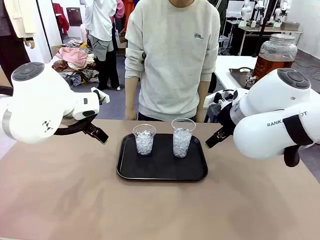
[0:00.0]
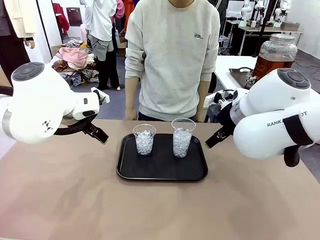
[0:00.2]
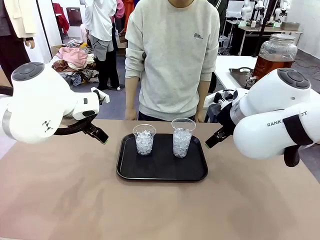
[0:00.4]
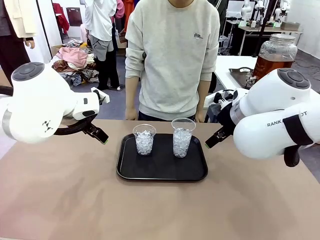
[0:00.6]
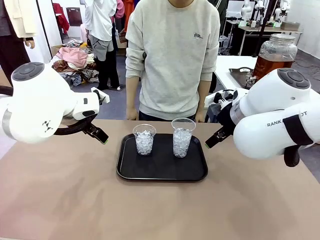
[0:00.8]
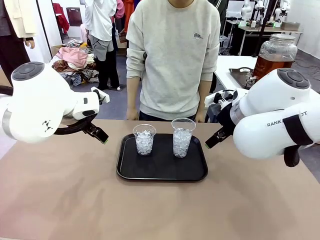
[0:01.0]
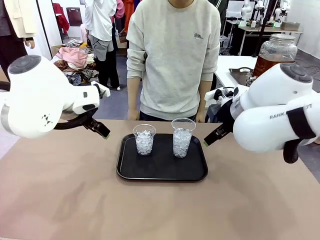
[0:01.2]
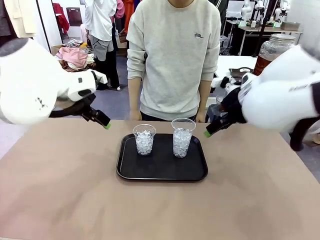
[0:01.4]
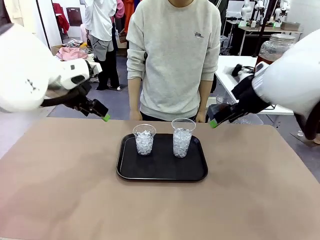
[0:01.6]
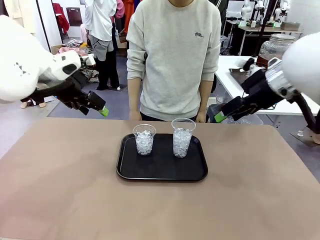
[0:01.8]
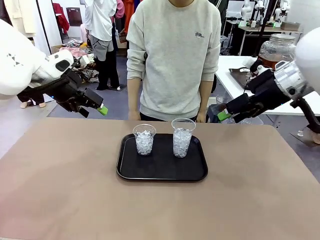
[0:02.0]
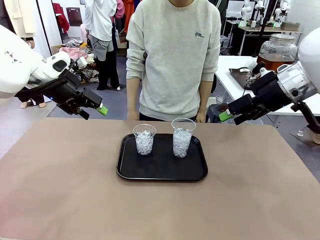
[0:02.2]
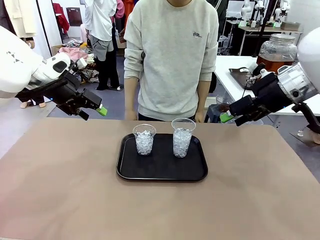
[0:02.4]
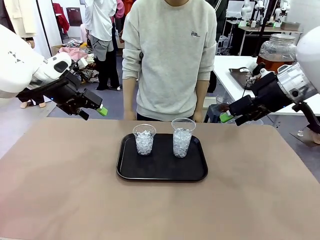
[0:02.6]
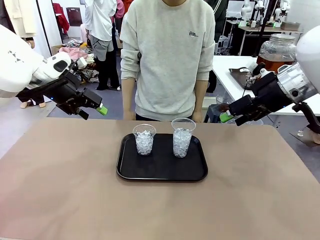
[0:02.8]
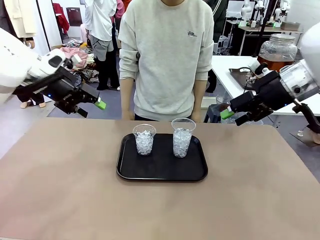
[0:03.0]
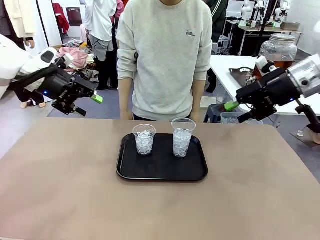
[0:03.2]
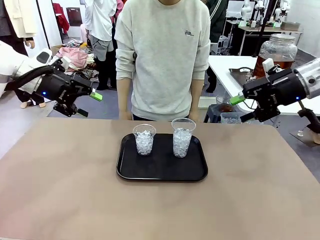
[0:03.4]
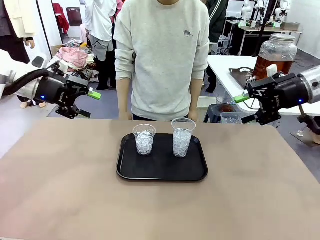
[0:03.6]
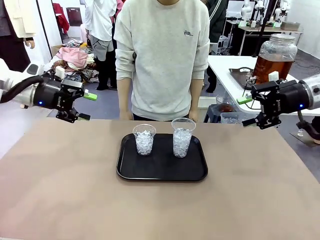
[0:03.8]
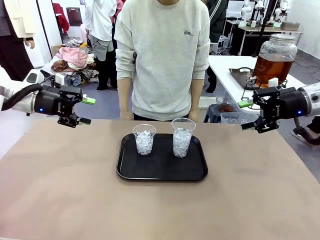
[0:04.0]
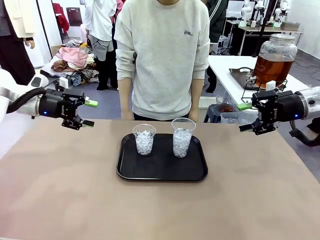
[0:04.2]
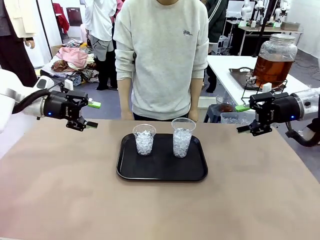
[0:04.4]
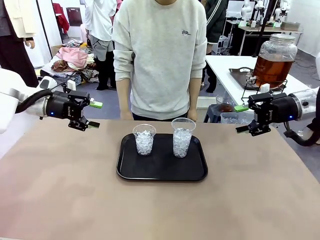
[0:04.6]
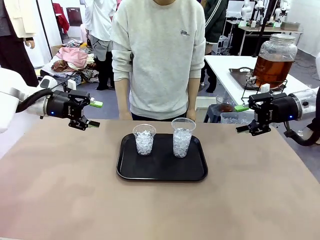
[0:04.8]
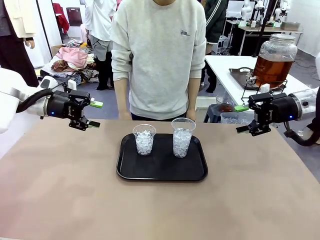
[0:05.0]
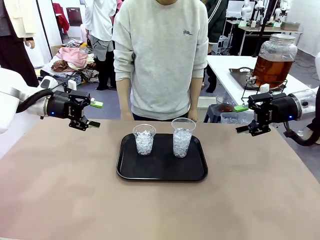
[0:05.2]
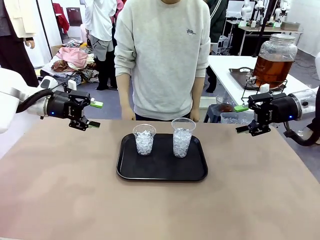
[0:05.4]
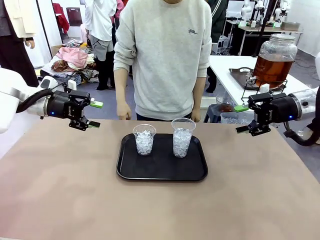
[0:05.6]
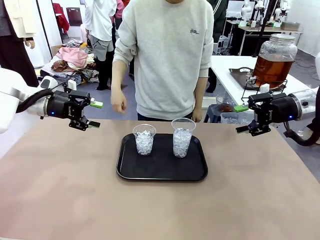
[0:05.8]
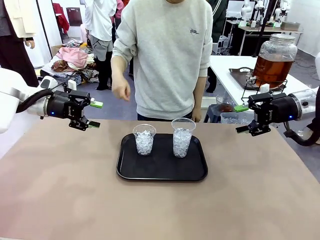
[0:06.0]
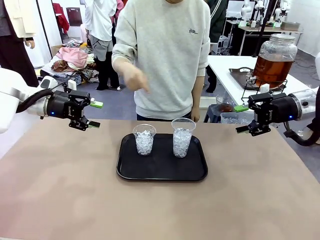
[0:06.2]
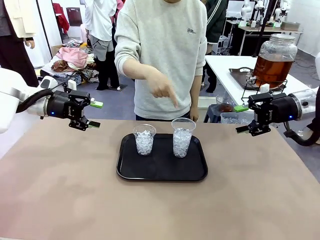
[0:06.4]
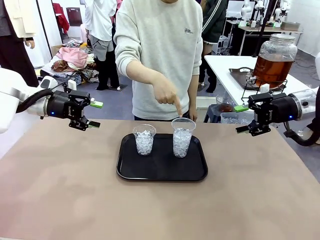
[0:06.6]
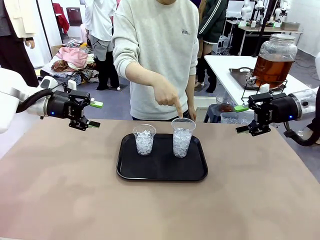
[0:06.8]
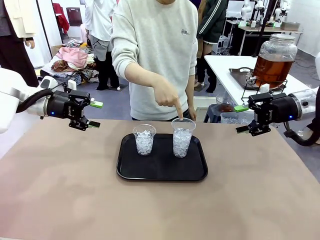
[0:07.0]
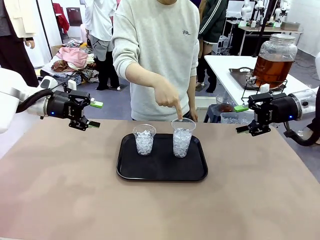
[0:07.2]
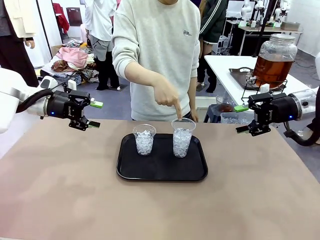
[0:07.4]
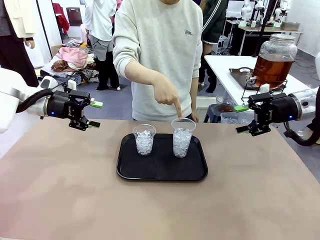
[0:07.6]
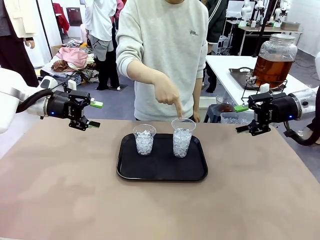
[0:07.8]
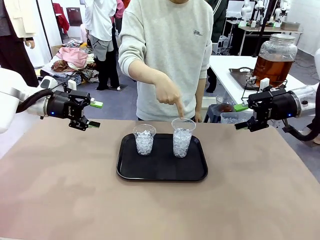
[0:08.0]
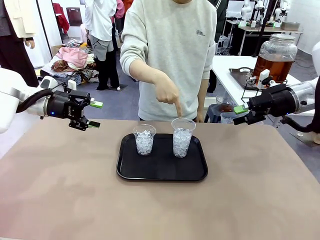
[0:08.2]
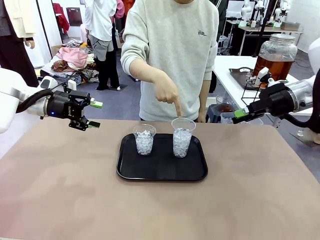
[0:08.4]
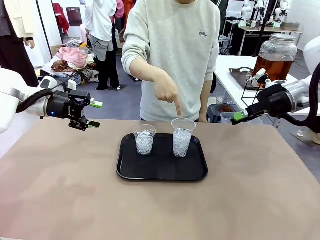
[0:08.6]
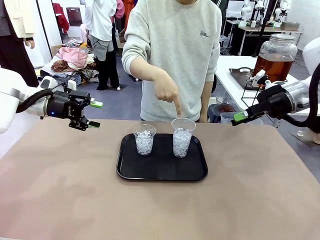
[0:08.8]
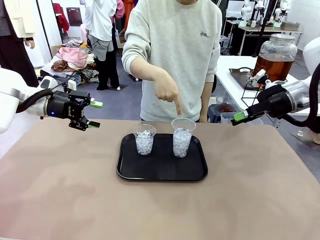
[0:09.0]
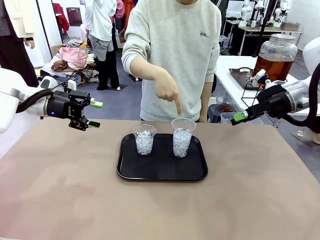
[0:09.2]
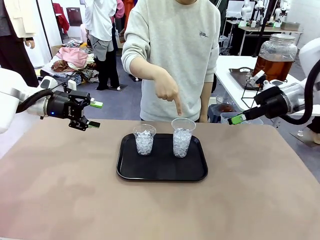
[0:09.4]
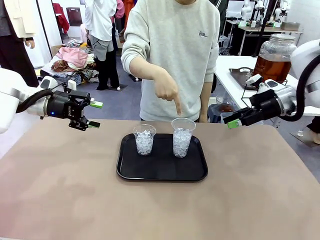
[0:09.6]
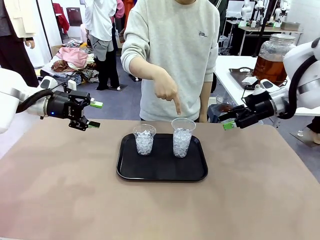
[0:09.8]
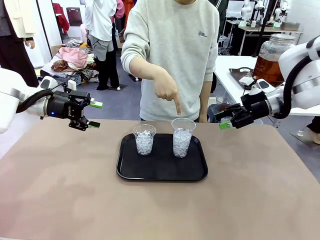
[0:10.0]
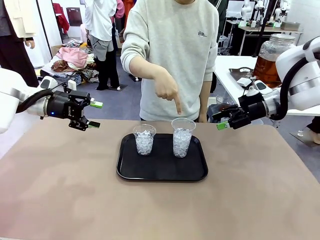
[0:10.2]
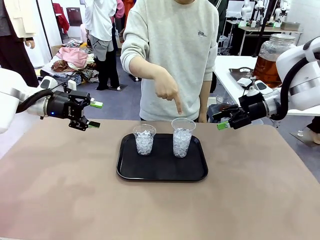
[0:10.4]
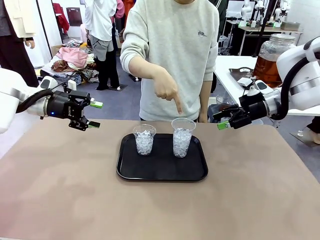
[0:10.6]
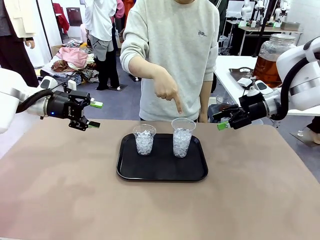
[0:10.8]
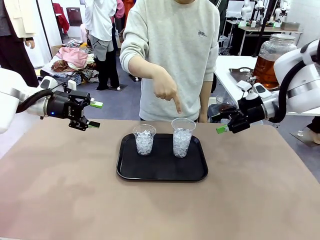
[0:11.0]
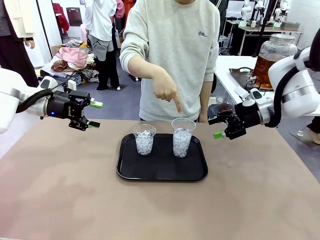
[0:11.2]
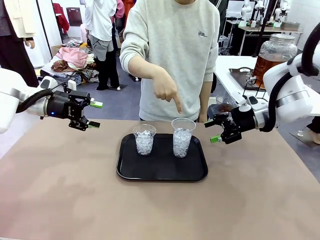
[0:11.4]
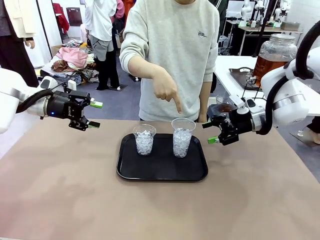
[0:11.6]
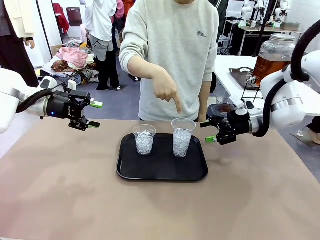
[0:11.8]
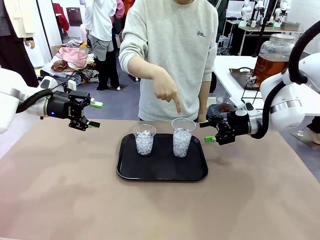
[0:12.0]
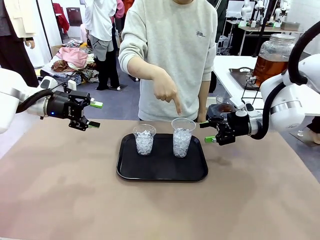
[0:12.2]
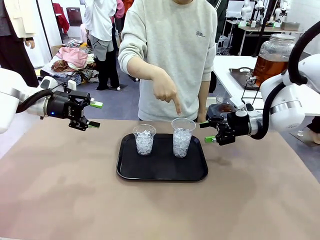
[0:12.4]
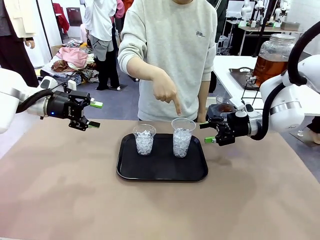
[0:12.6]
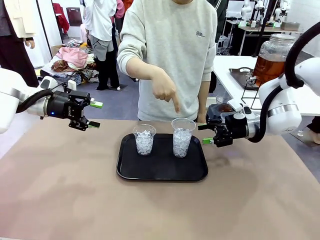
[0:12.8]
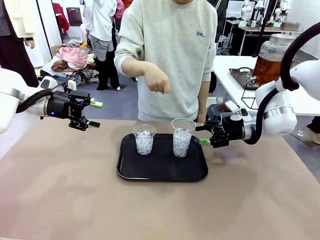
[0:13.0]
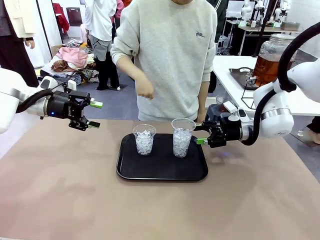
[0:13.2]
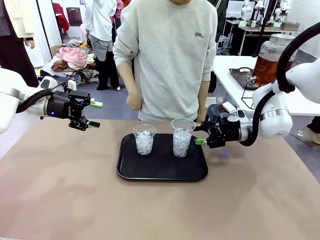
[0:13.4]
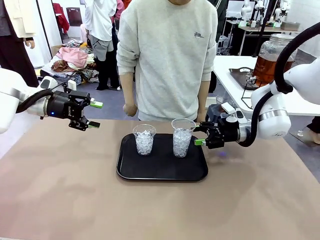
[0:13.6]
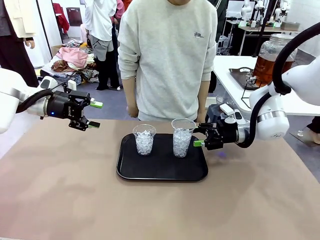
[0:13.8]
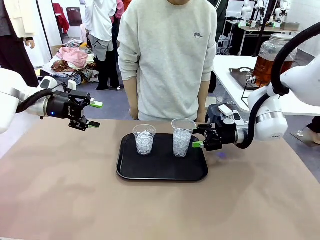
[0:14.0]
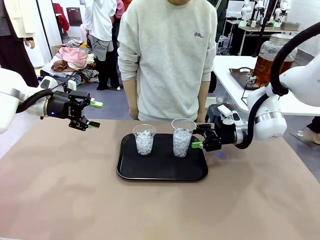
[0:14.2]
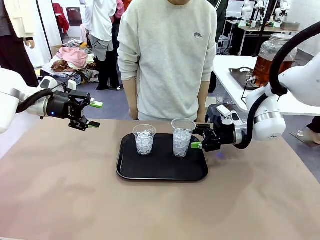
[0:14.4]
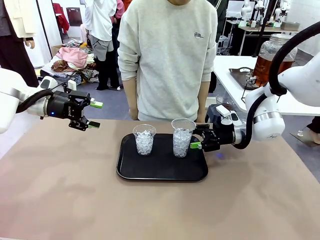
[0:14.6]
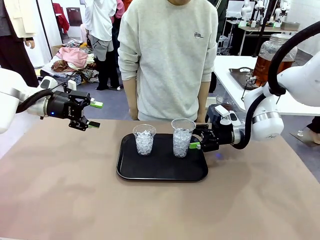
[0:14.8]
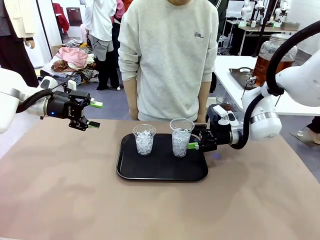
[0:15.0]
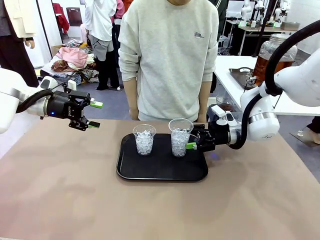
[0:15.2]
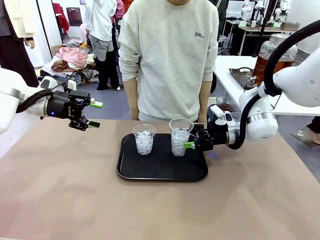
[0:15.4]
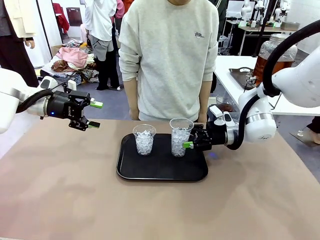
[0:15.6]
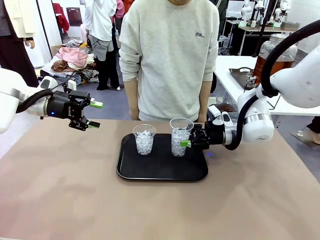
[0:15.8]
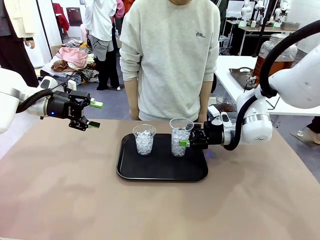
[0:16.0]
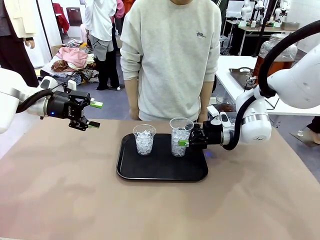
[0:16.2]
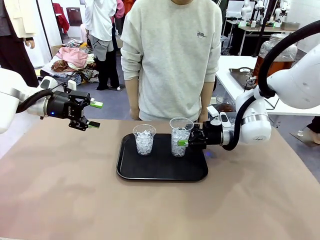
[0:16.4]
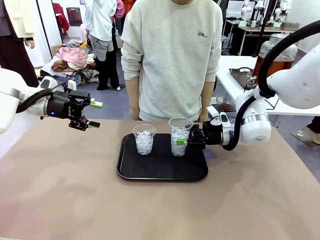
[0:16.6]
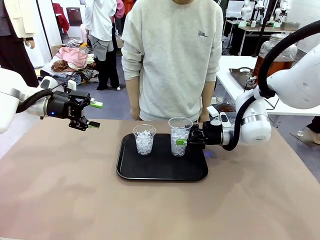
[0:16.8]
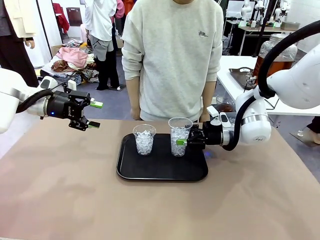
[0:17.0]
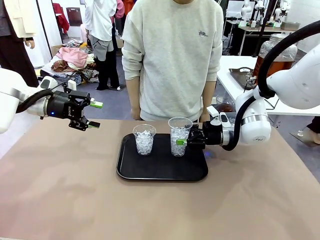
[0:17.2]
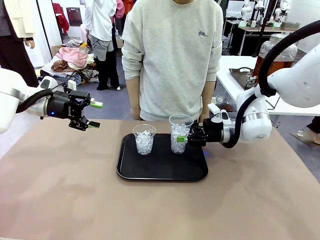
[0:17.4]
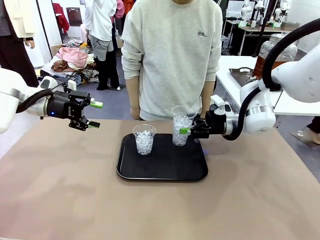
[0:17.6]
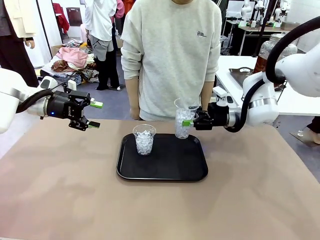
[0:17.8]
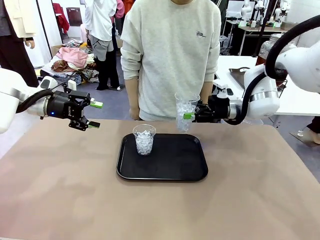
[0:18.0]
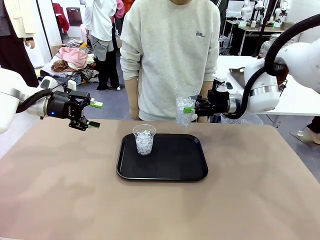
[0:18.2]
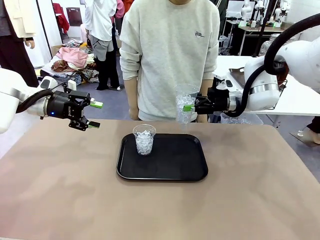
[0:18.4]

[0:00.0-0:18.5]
Task: Pour the drink into the iced cup.
Robot: Pick up the iced cup indicated by the human and present it to them.
Person: Point to one of the two ice cups. Pick up the cup offered by the robot.

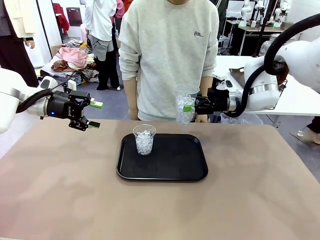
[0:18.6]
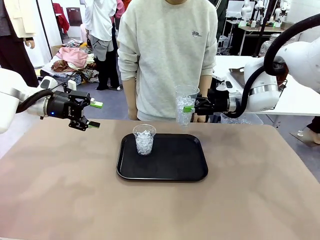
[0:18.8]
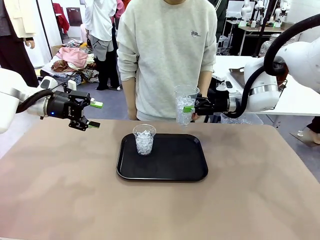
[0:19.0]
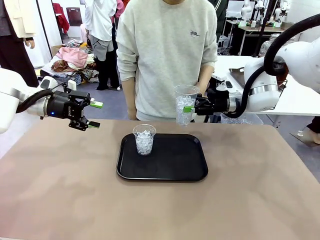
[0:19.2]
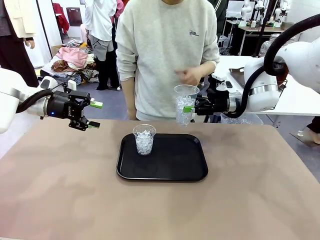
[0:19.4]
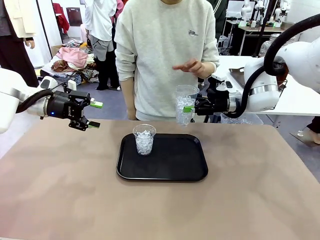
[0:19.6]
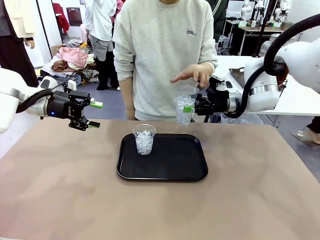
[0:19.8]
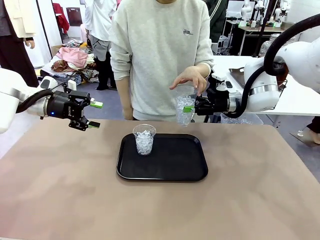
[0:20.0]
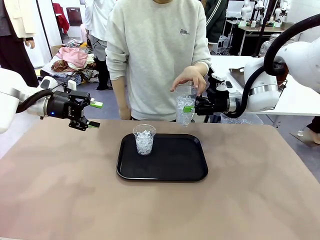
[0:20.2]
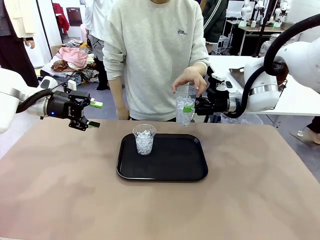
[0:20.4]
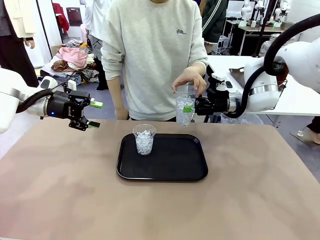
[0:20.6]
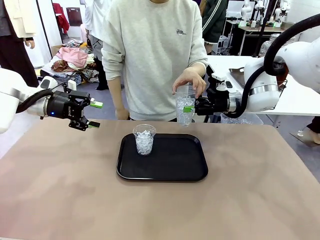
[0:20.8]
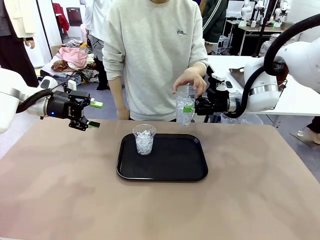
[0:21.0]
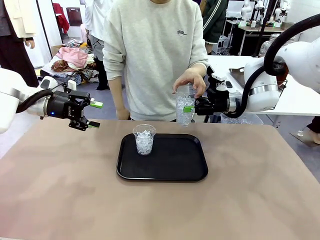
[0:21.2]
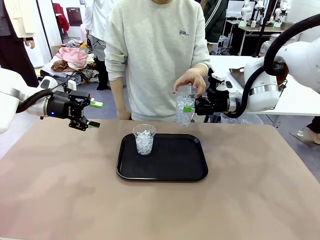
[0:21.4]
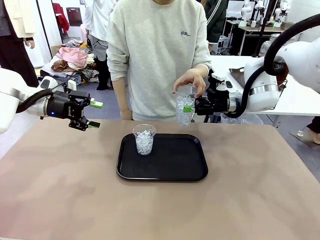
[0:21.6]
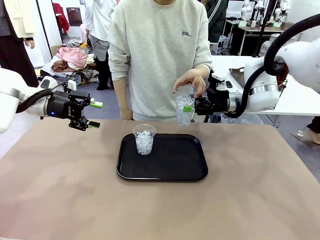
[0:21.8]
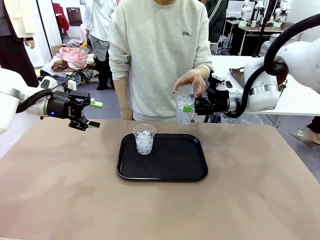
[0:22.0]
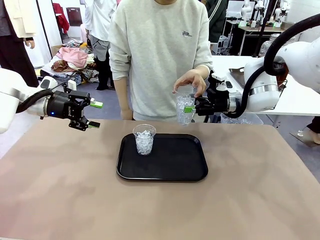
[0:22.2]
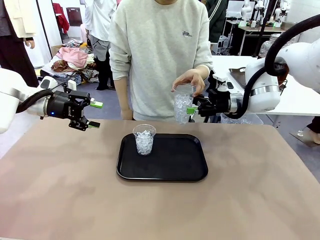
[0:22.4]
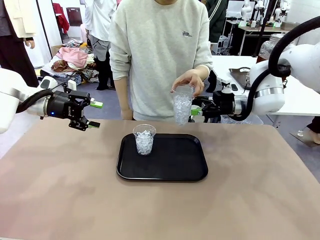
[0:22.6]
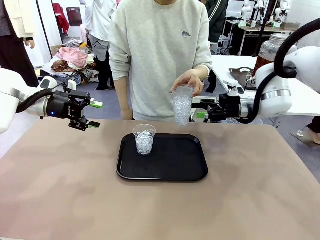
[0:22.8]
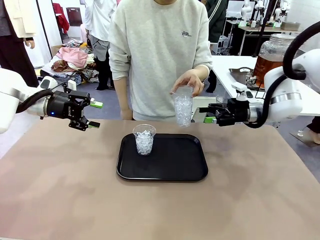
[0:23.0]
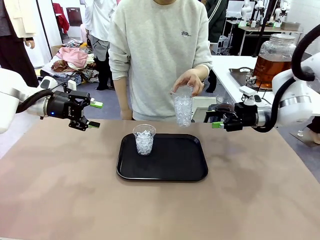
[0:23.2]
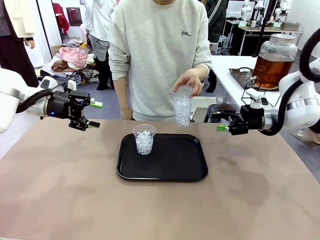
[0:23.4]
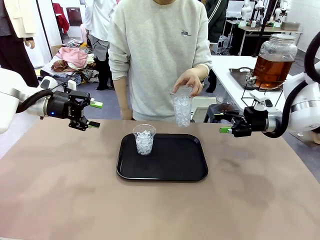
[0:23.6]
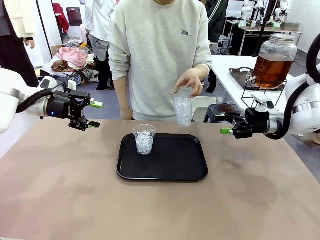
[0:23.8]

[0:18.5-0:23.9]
Robot: Open the gripper to release the iced cup you were holding.
